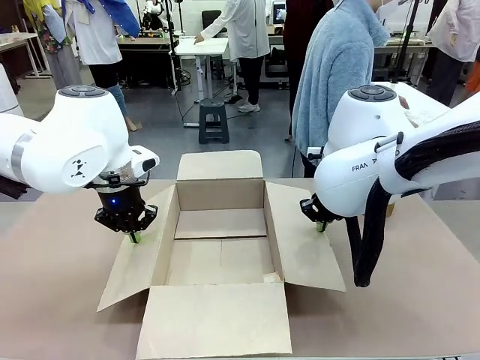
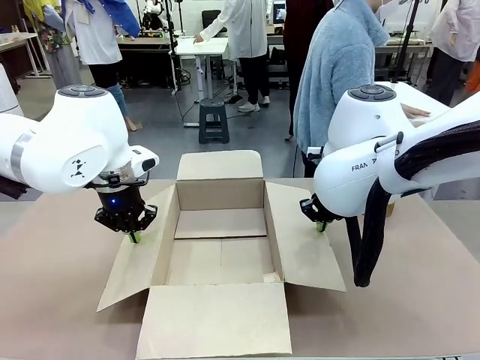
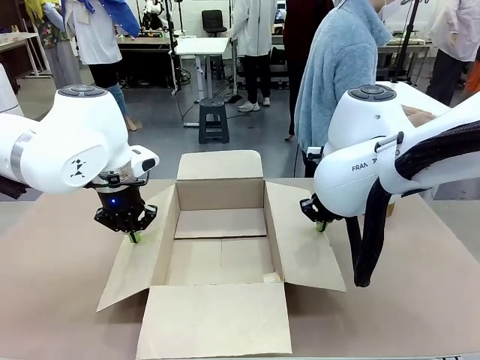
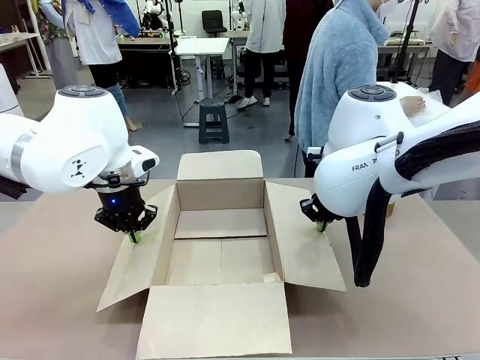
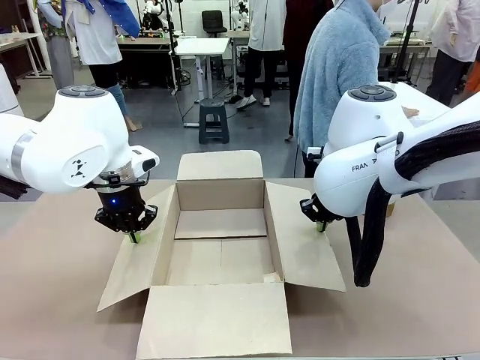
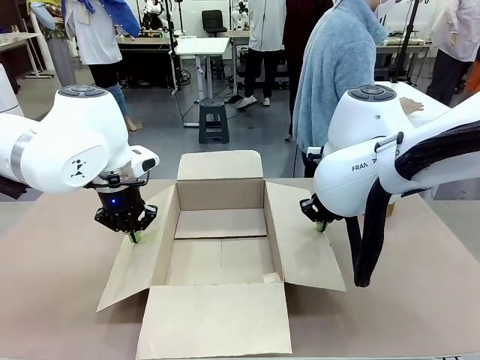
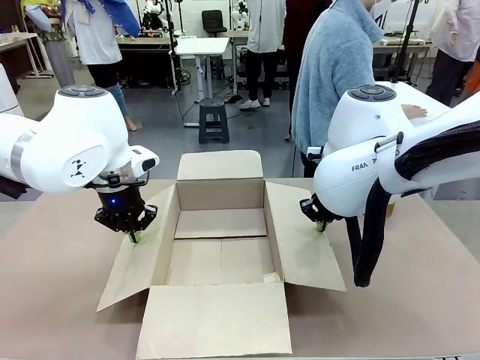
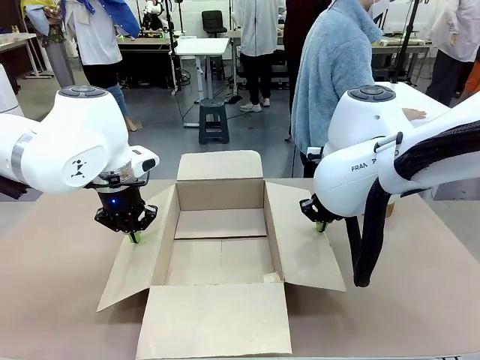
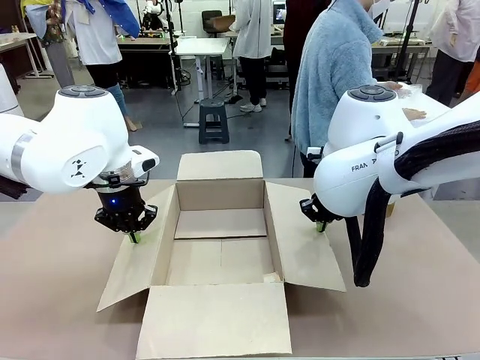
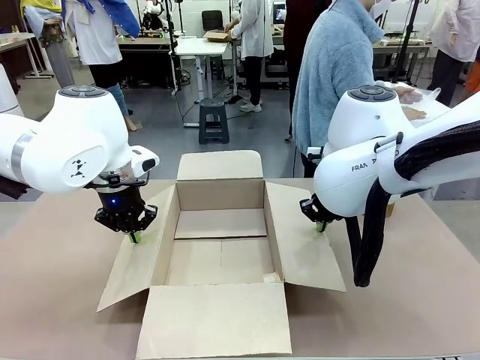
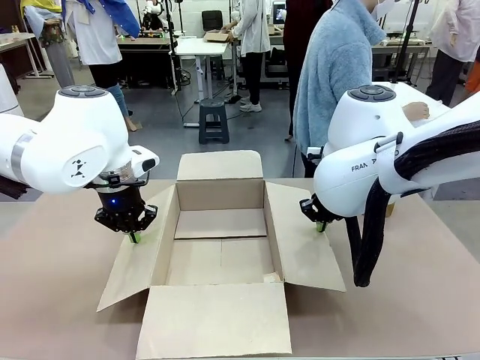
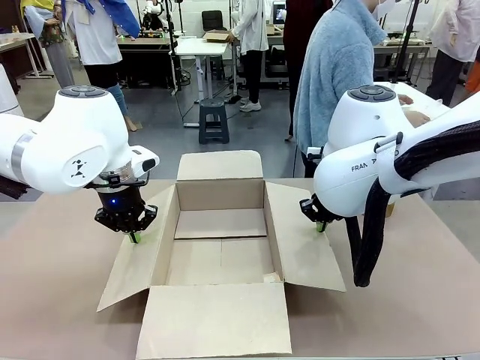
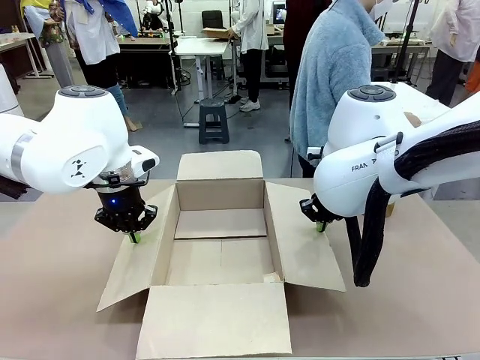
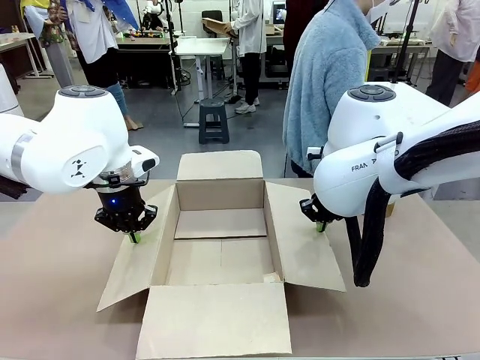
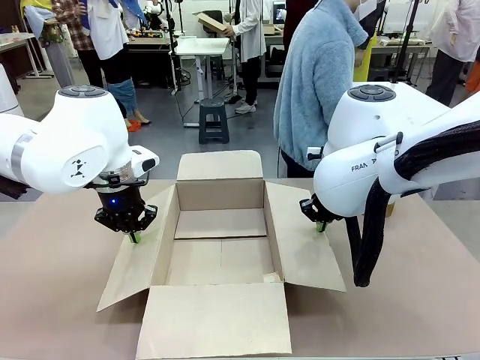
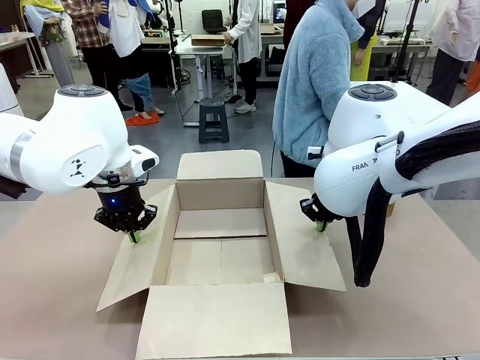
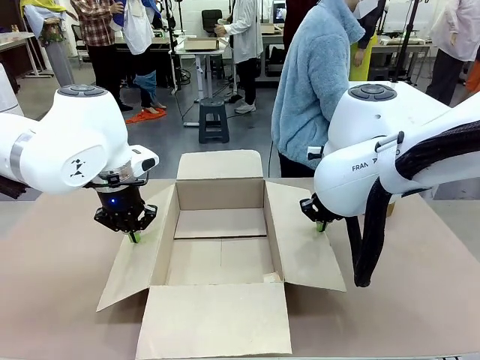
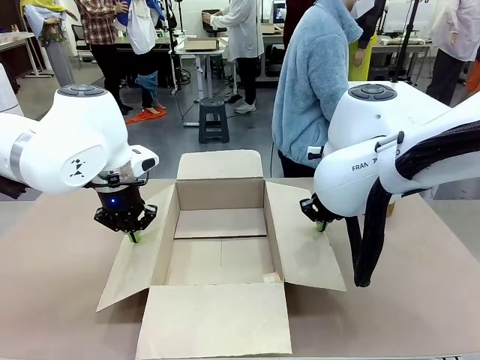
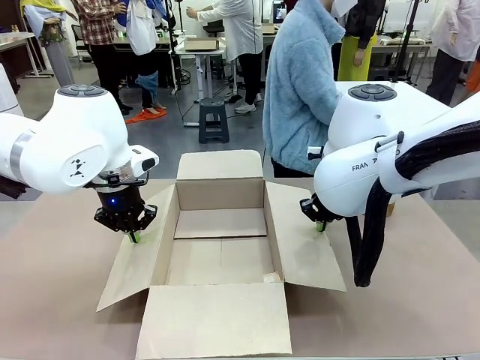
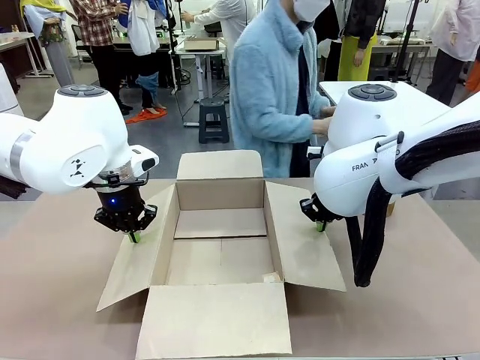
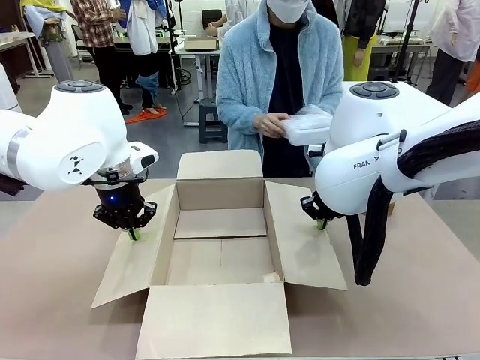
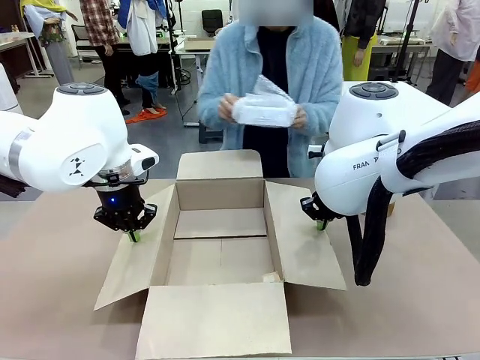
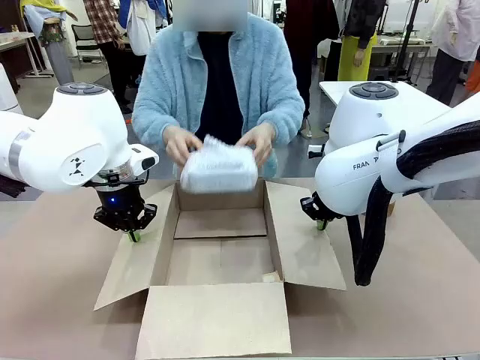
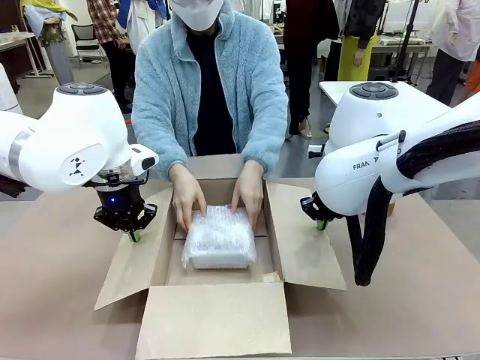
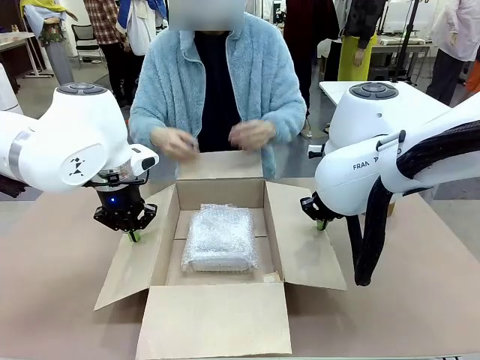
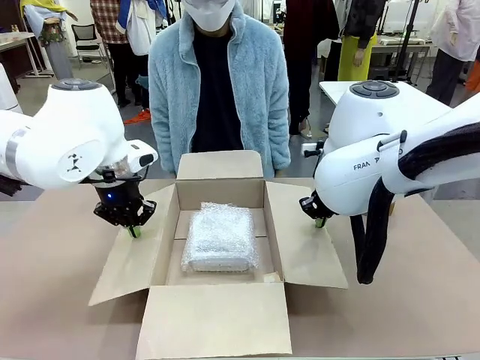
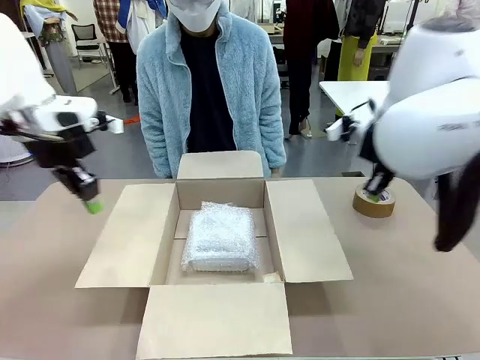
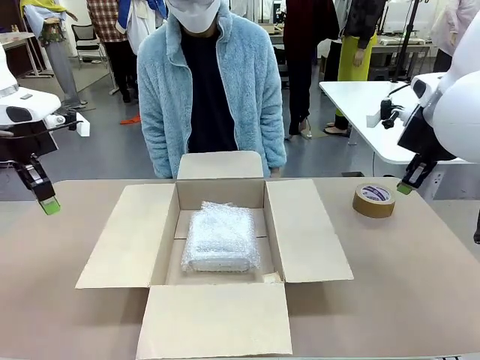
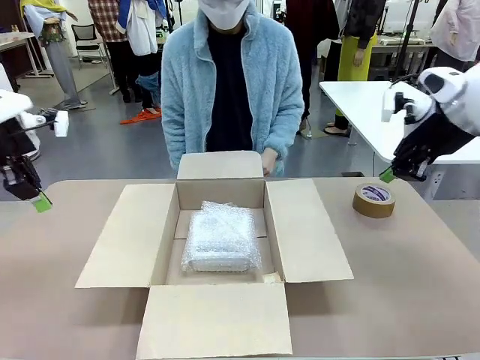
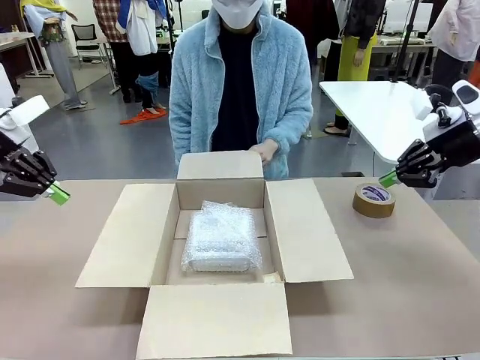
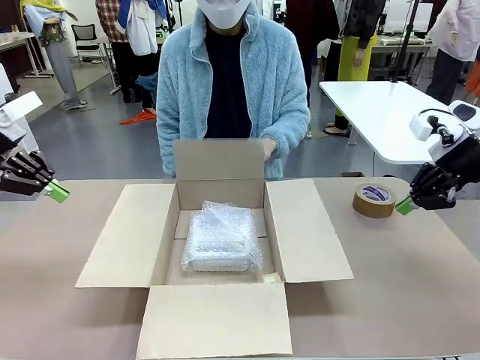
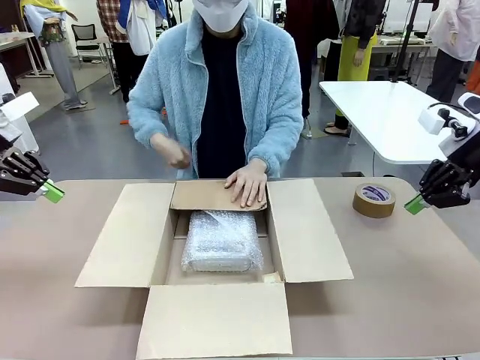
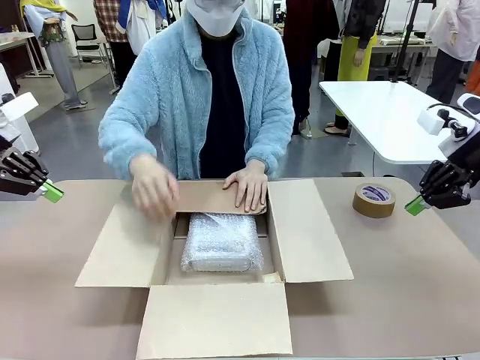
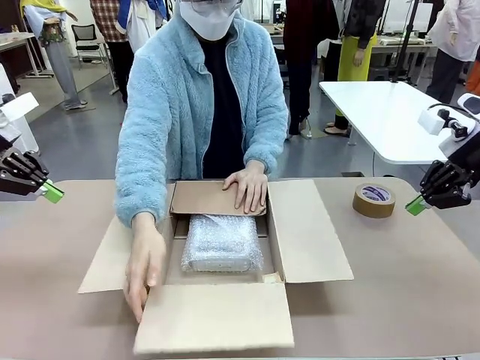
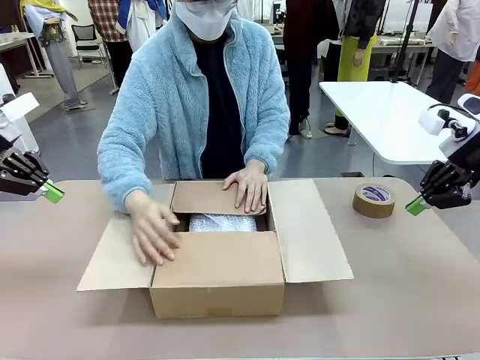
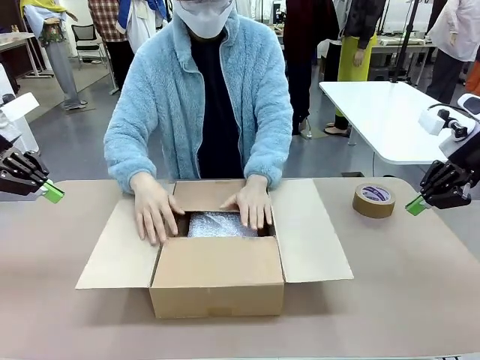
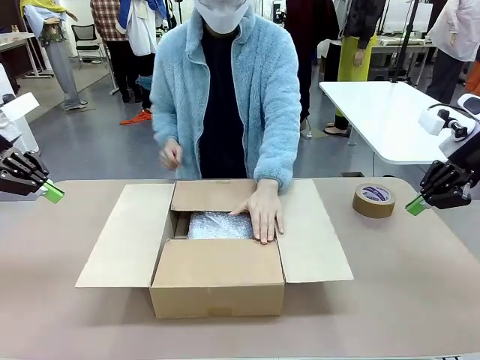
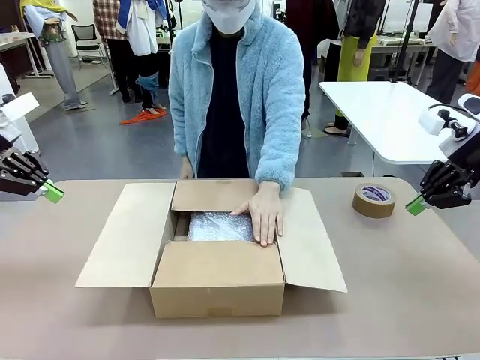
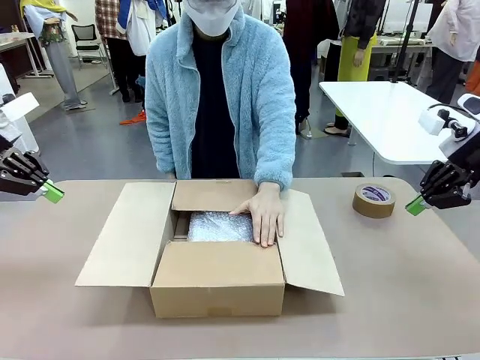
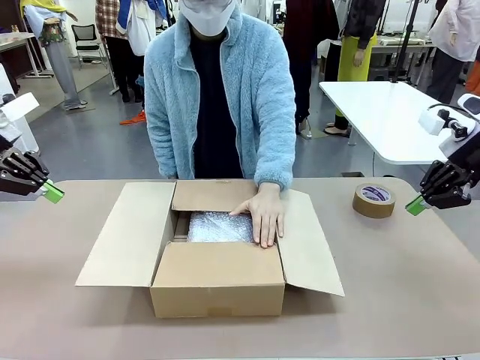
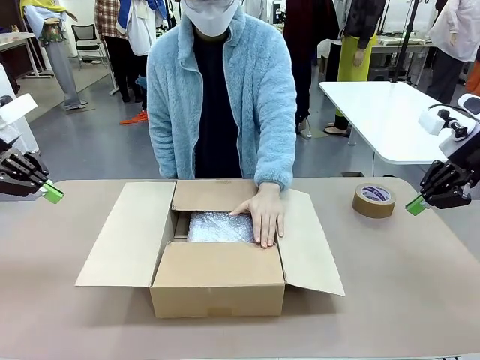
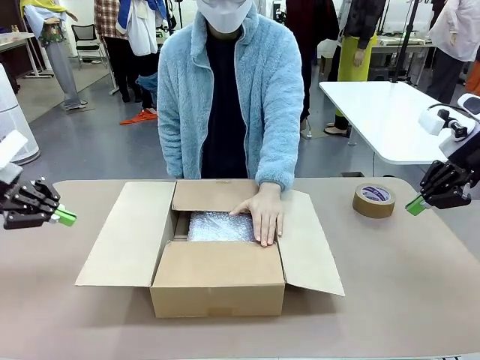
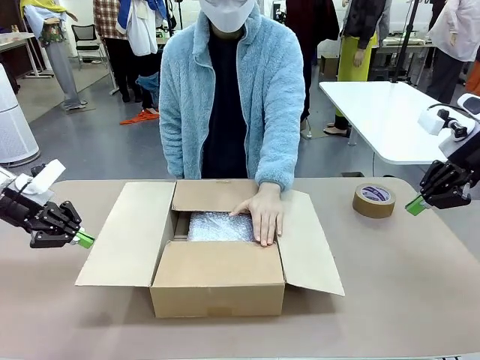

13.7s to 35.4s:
Task: Wrap the clocks to prevent damage.
Robot: Once the human has placed the objects inside and stepped back, release both hands from the side flaps of the Package Box.
Person: Place the wrapped Digital clocks inside the Package Box. Hold the top and bottom flaps of the Package Box closed with your left (or right) hand.

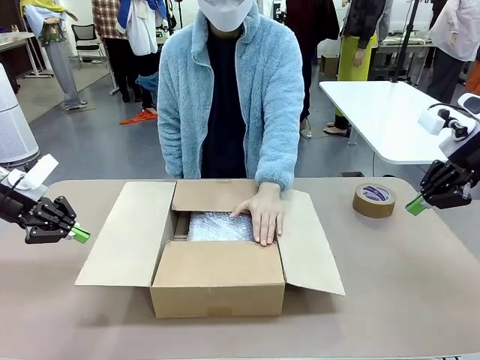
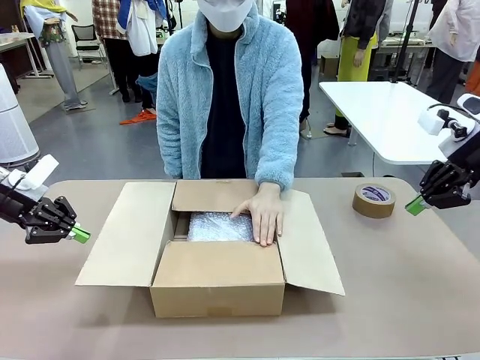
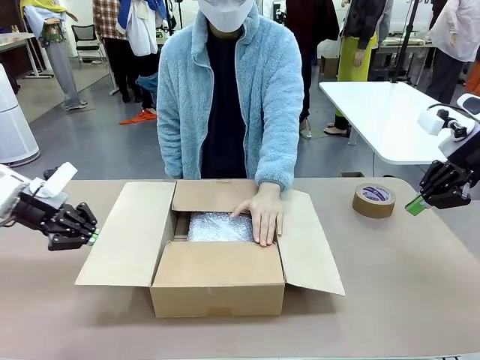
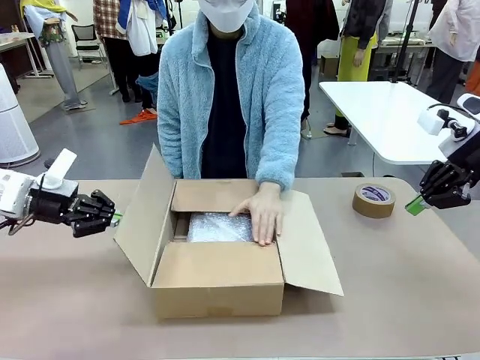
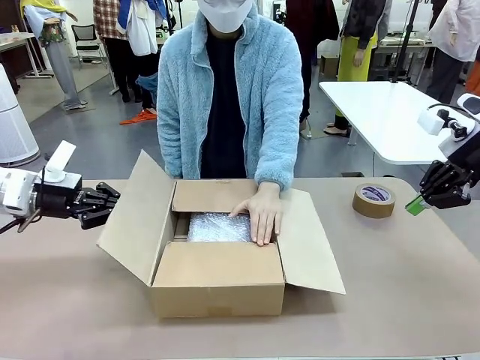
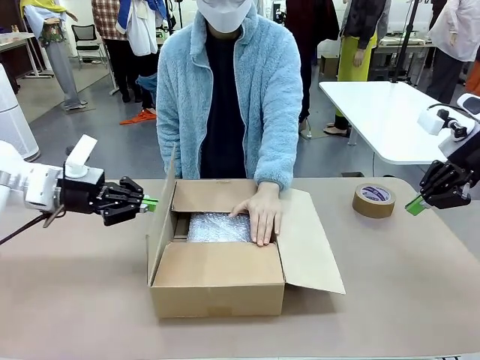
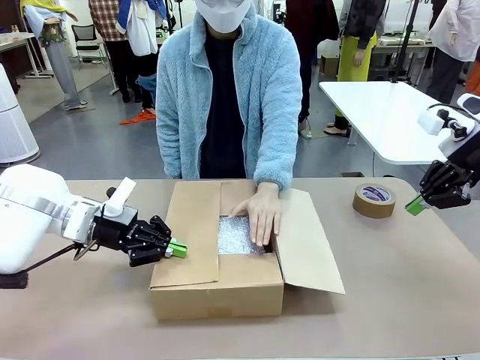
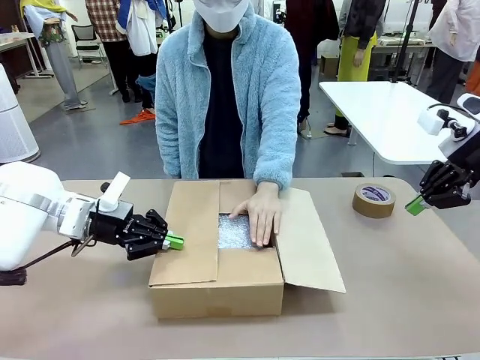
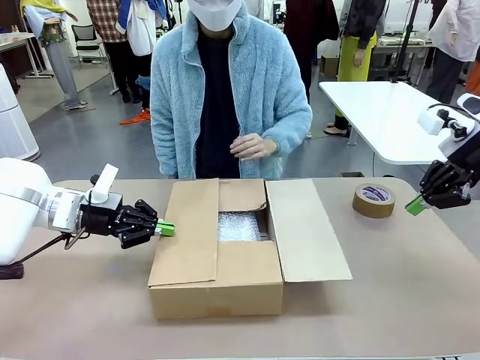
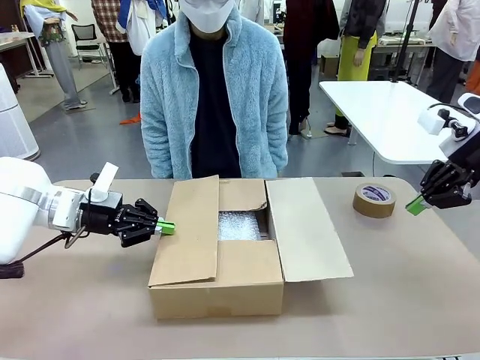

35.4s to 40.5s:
Robot: Push the right (or left) flap of the Package Box to close it.
Person: Once the robot closes the right flap of the Package Box , release your left hand from the box.
